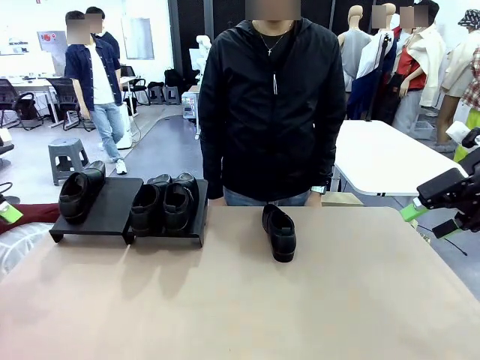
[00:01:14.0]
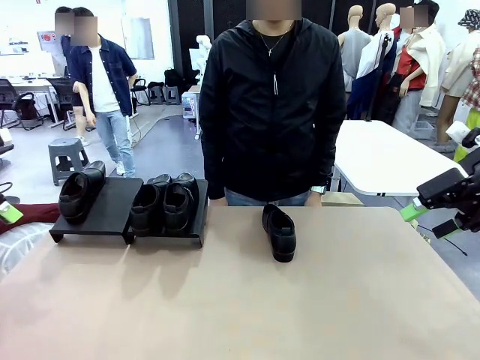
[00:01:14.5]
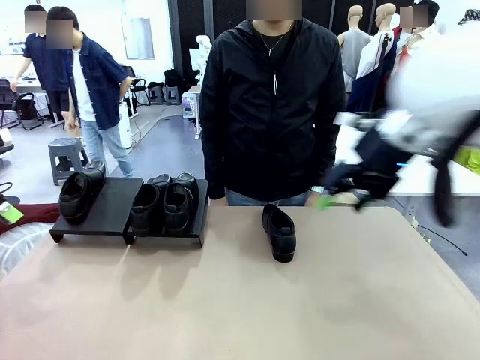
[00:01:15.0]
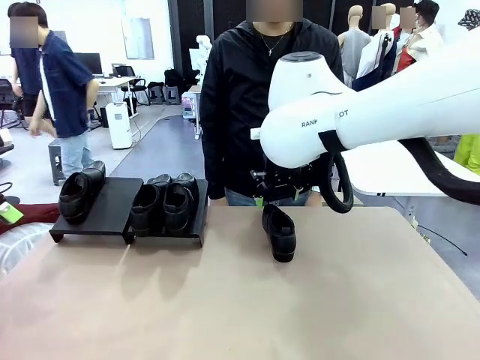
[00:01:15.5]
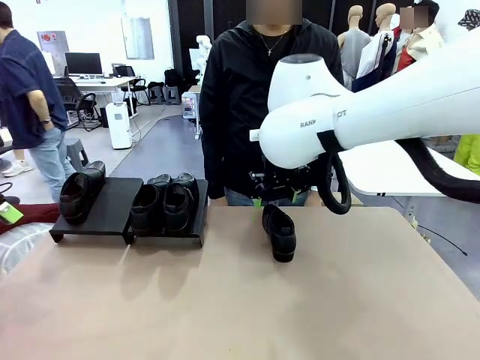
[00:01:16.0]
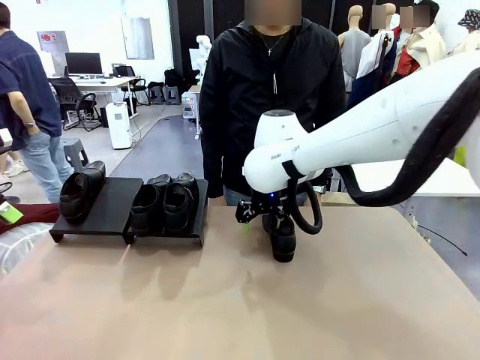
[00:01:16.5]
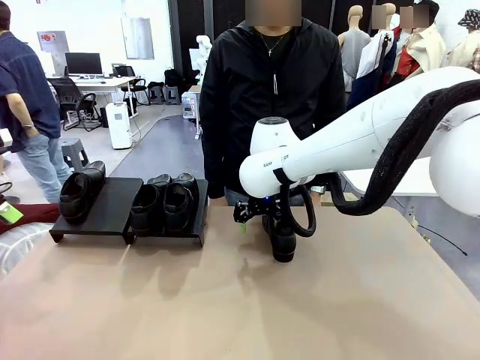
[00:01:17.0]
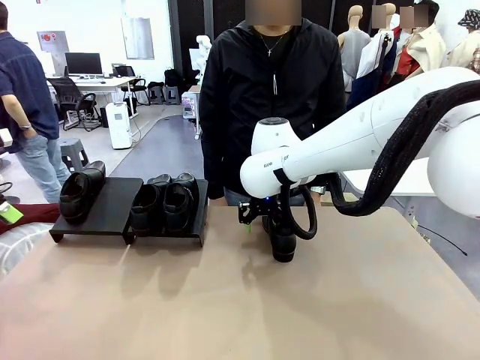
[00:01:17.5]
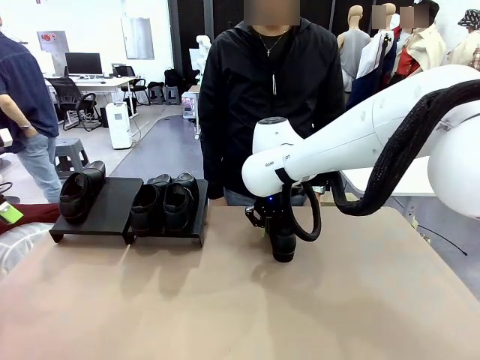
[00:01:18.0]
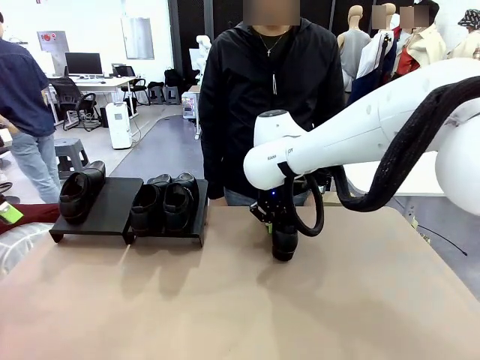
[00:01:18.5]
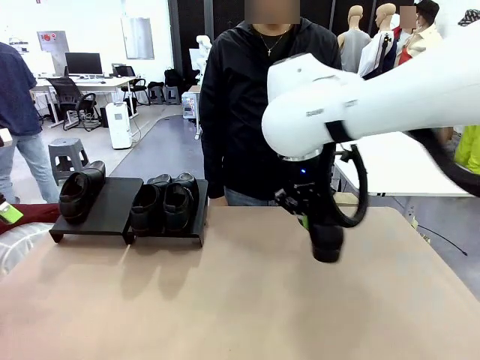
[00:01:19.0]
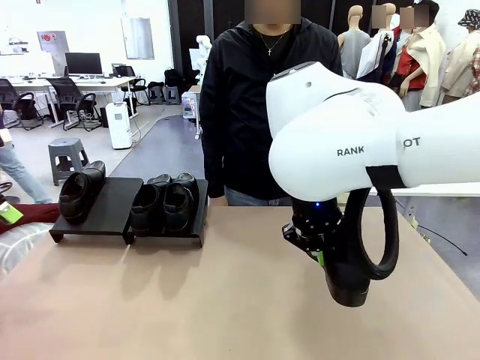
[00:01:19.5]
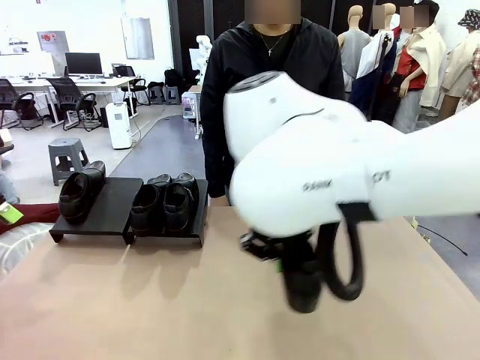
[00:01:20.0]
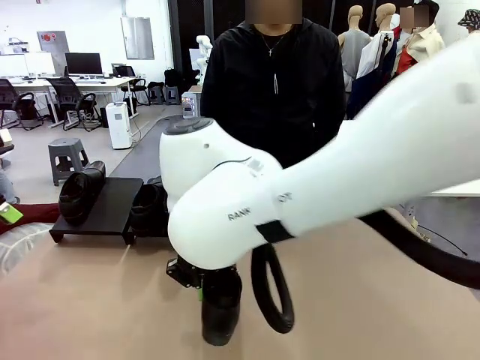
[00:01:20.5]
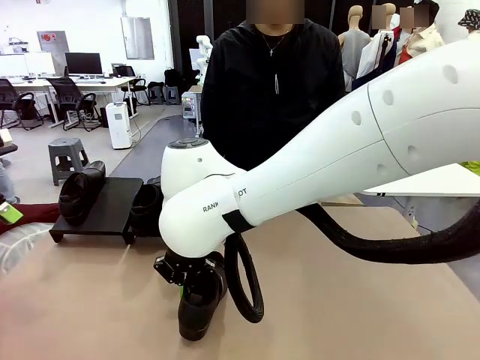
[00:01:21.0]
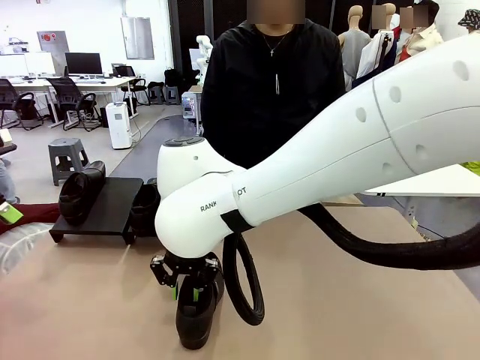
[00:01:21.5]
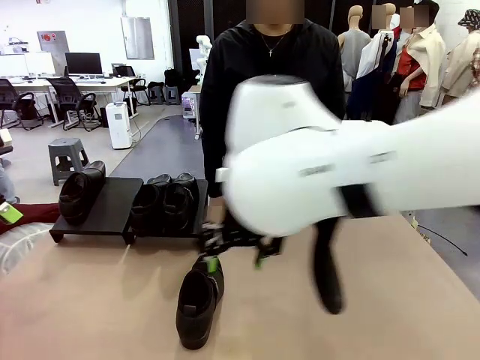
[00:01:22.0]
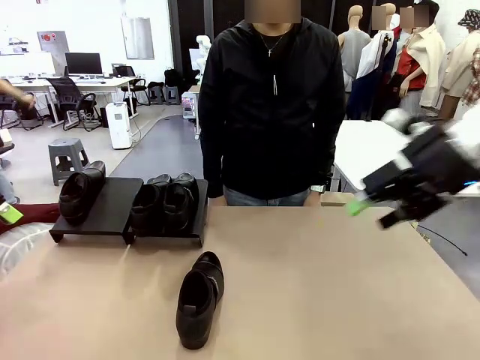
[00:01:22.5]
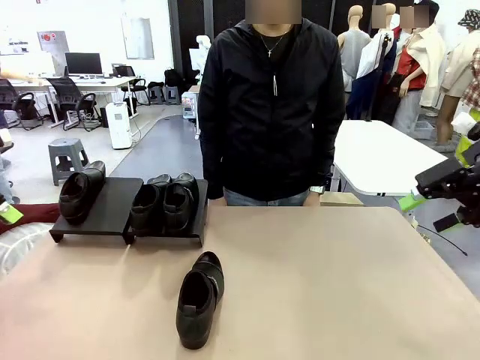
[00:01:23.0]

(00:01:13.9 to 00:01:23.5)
Task: Organize the shoes by placing them on the stand.
Robot: Pick up one Shoe and place it in the middle of the table.

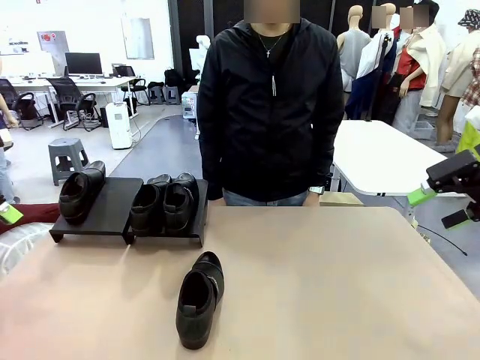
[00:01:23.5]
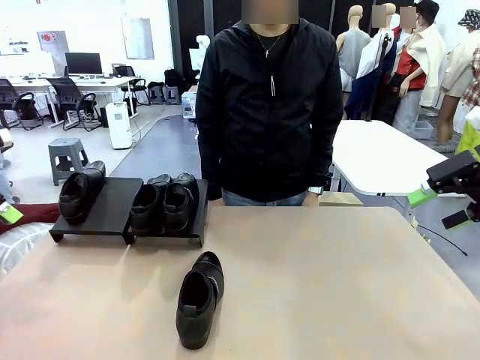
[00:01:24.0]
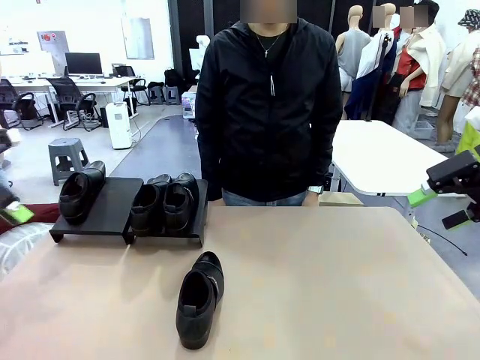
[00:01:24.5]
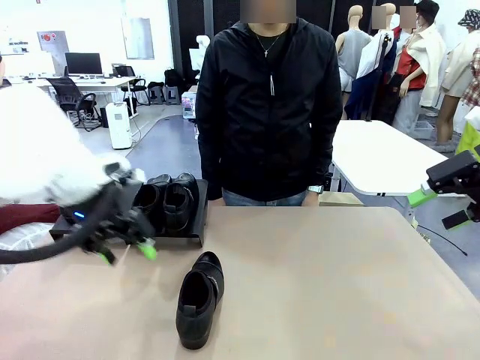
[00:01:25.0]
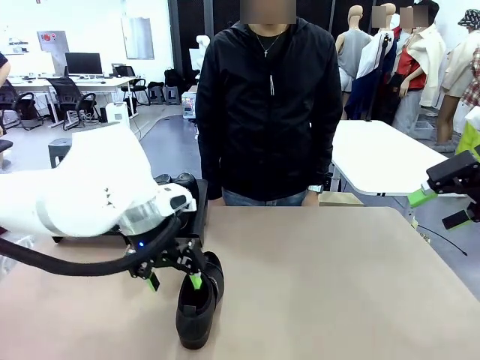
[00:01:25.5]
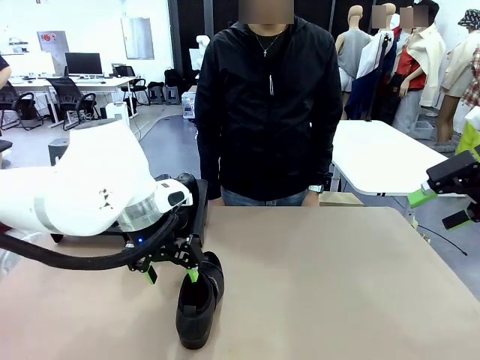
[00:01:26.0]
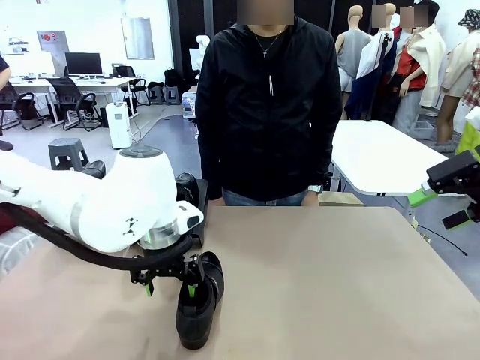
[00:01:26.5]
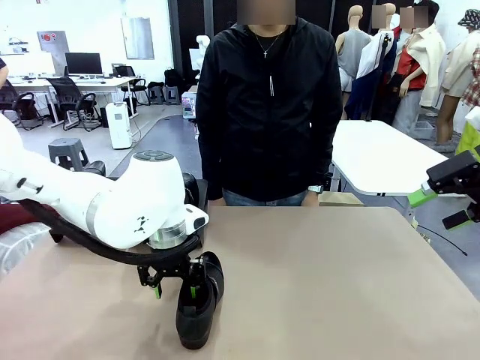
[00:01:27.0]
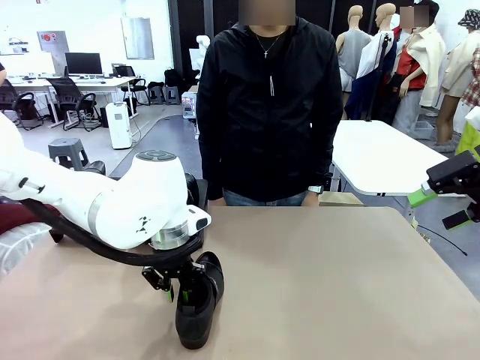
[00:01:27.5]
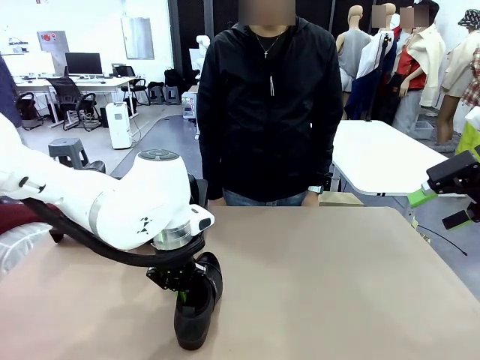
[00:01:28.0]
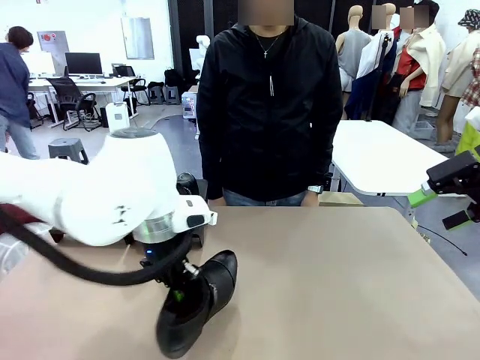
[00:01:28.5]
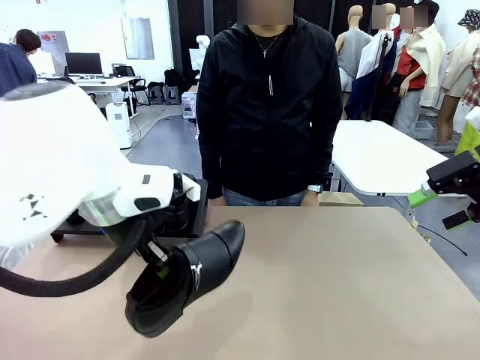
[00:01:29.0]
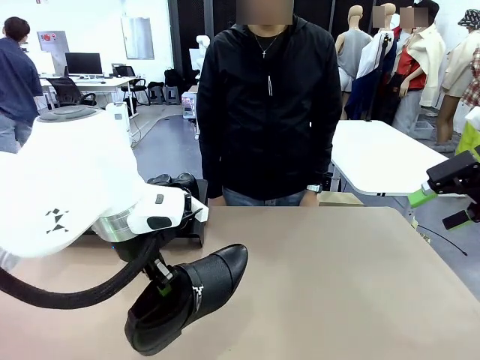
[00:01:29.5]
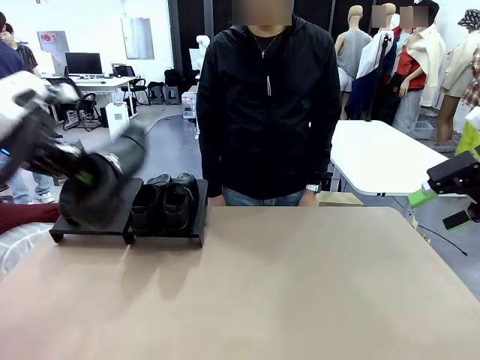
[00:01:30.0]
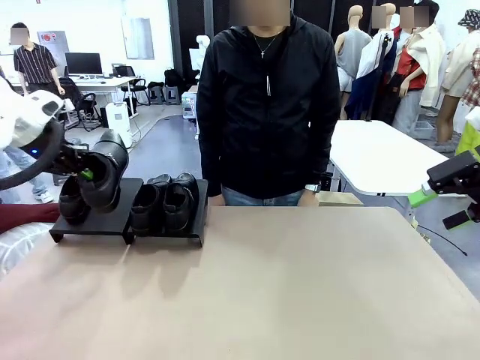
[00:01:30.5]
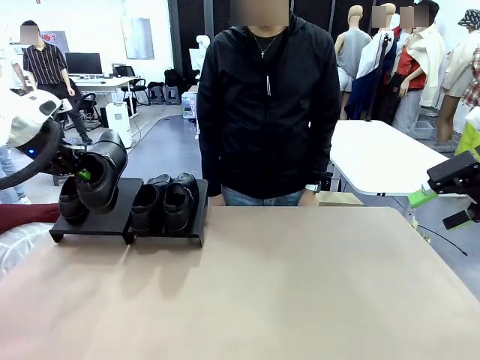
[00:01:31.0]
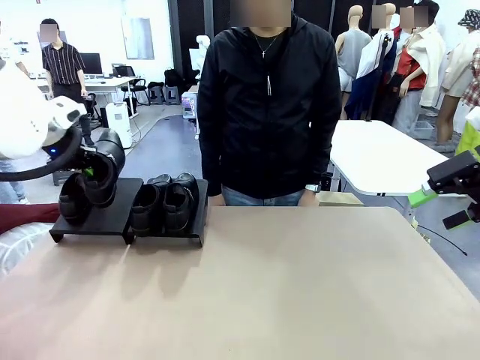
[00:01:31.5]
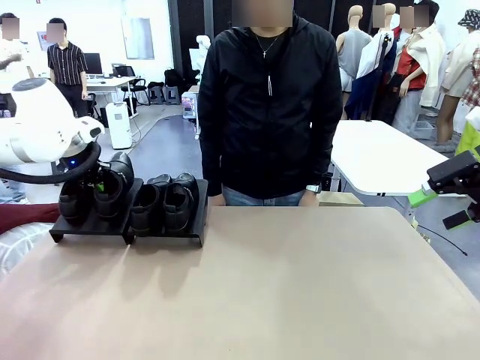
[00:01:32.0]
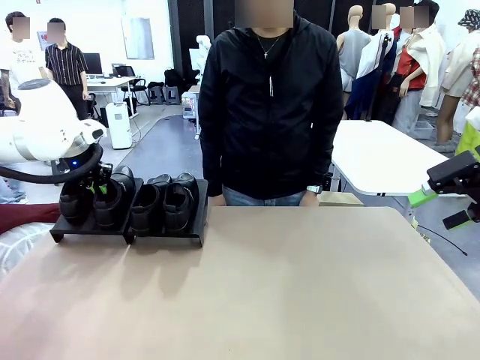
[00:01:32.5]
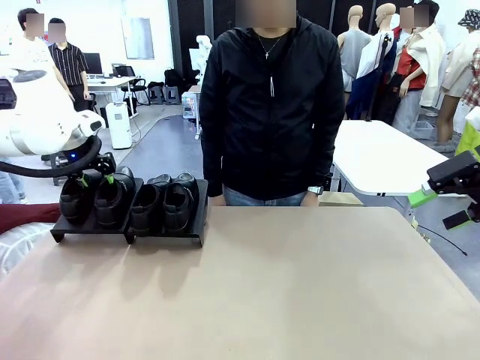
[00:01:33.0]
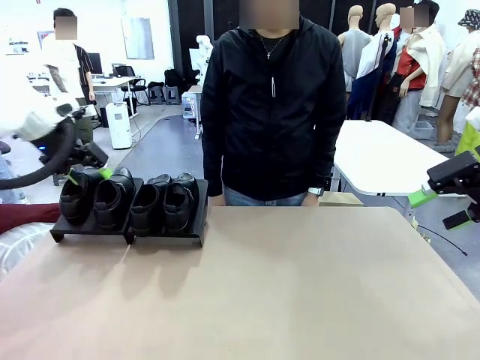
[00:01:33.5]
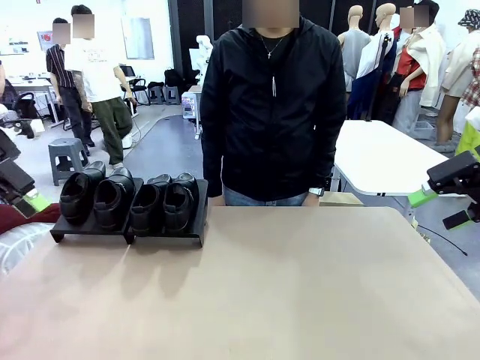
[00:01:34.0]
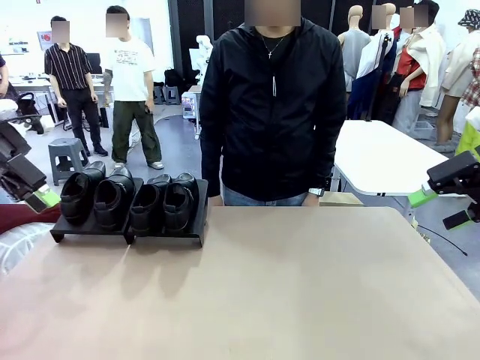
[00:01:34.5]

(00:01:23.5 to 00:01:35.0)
Robot: Place the Shoe from the middle of the table onto the Shoes Stand.

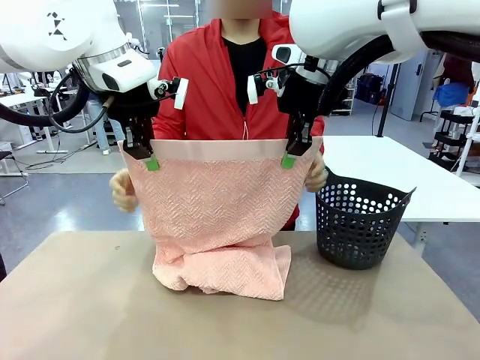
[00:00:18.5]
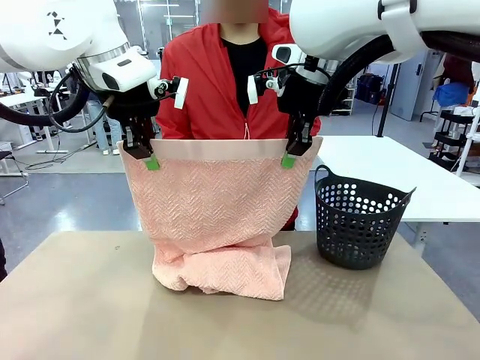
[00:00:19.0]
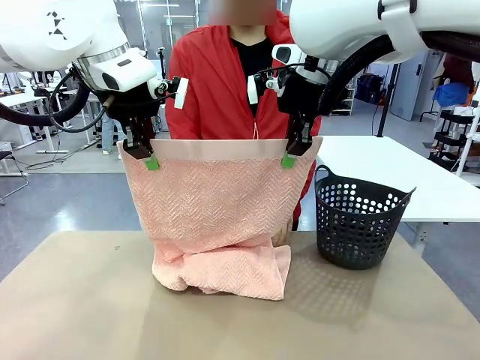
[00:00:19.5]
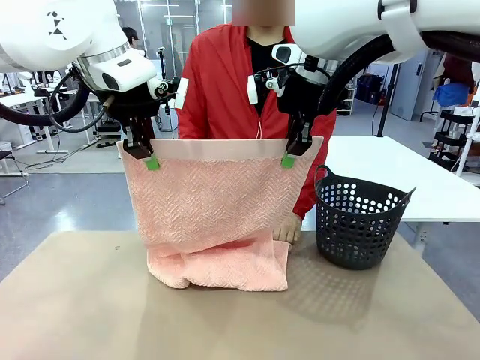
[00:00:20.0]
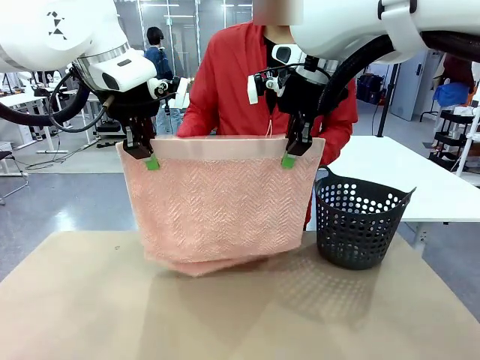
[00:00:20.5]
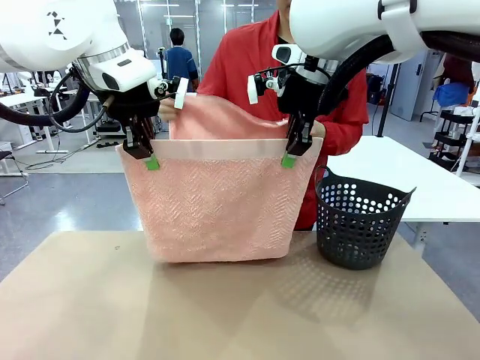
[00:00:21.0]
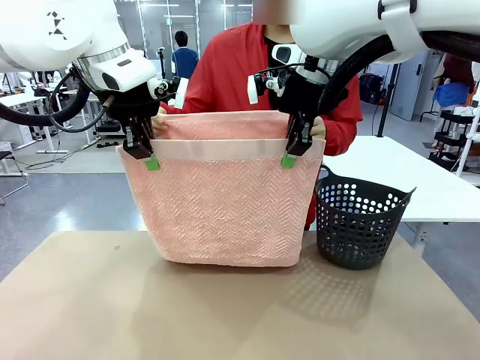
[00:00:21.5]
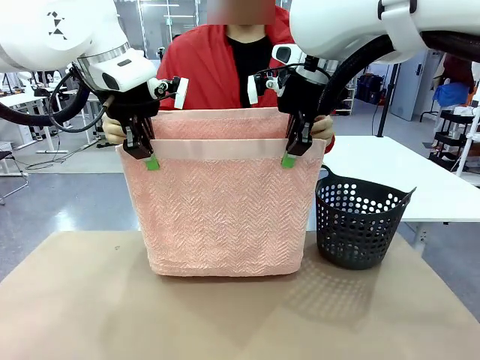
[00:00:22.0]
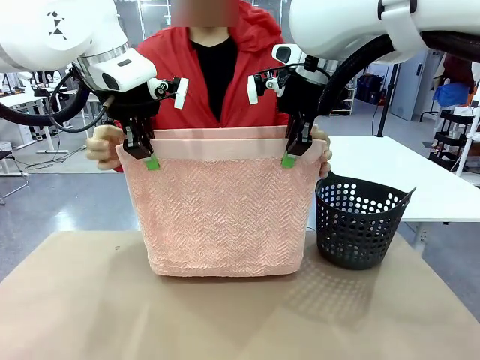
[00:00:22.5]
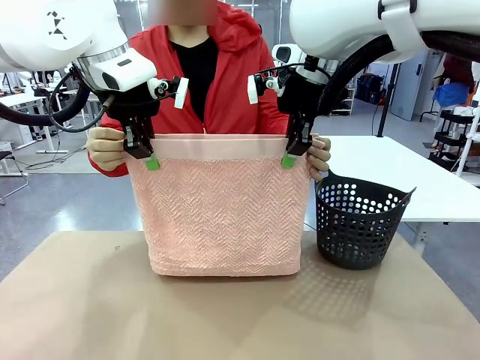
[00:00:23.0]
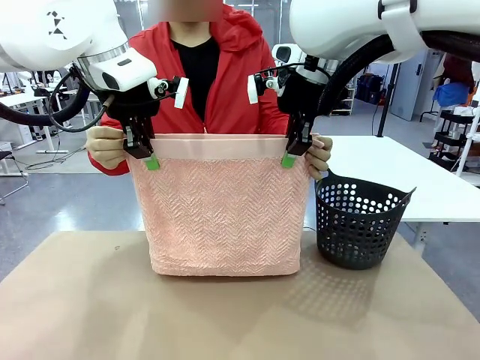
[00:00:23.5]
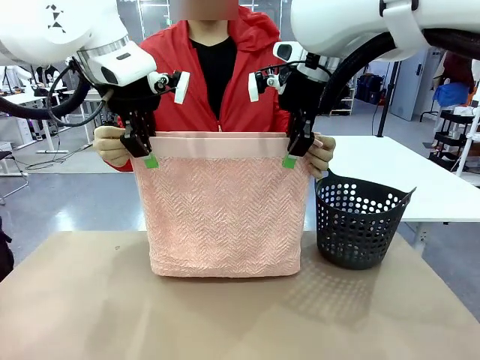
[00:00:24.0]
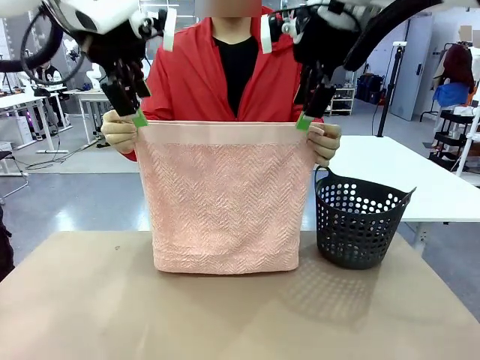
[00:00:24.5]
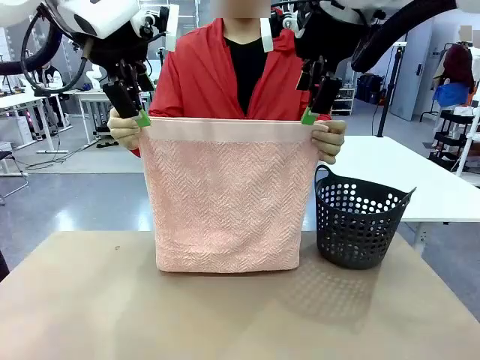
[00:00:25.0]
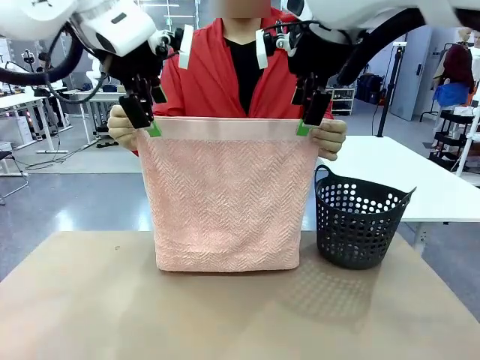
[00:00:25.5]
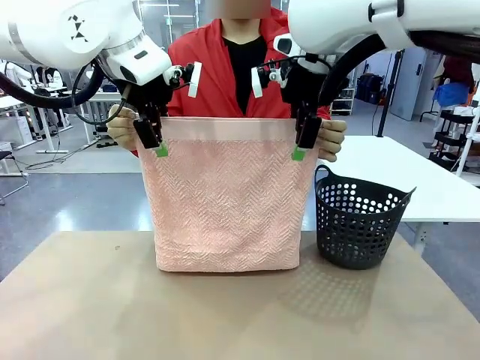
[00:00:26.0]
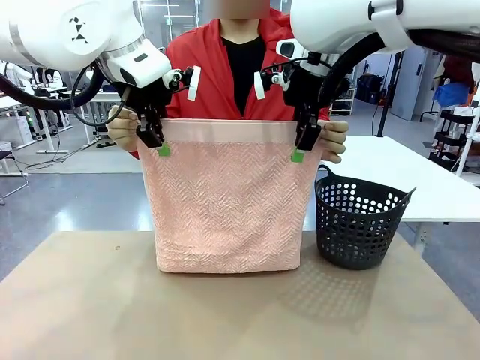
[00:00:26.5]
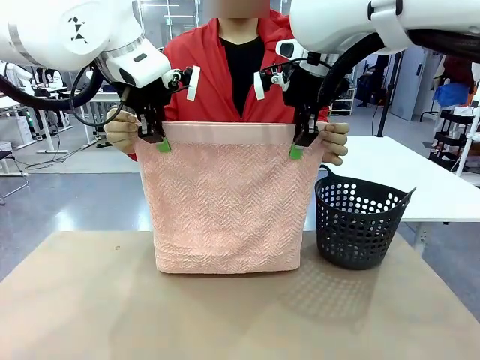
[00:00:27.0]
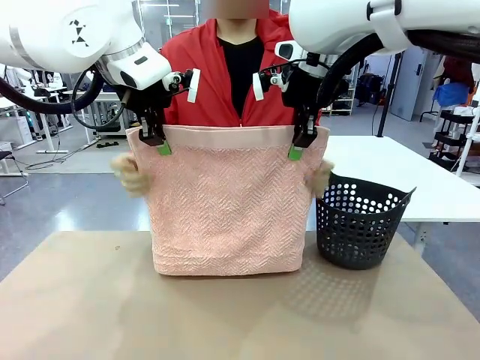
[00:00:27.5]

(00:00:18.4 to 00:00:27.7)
Task: Fold the towel.
Robot: Release the end of the 100 cm Hotel Towel you were holding and grab the top end of the folded side.
Person: Using the point held by the robot as a reference, grasp the opposite end, fold the towel in half, and then hold both ends of the folded towel.
